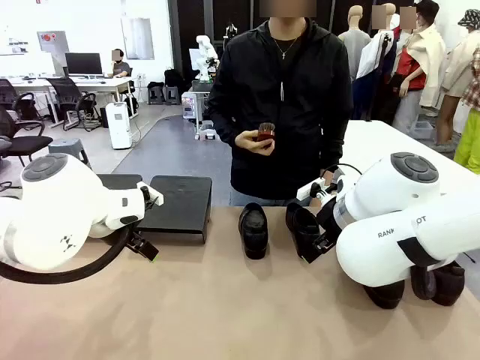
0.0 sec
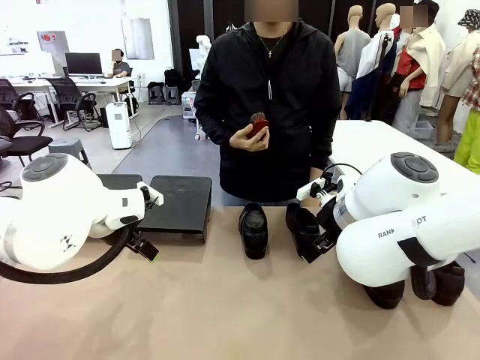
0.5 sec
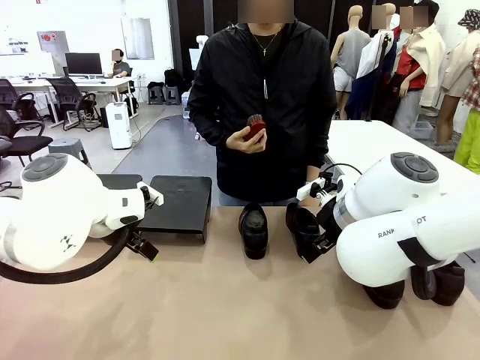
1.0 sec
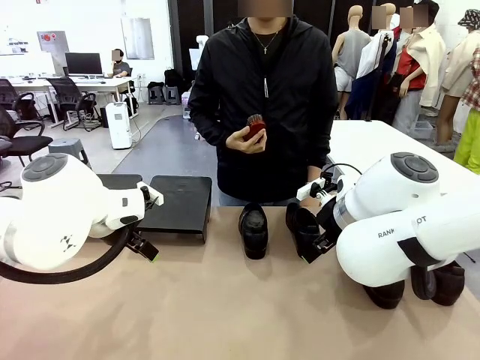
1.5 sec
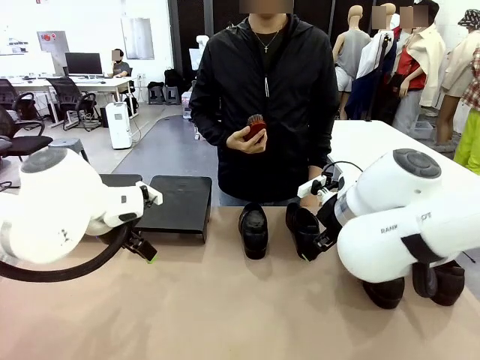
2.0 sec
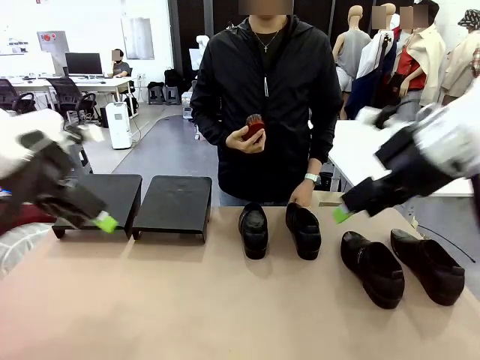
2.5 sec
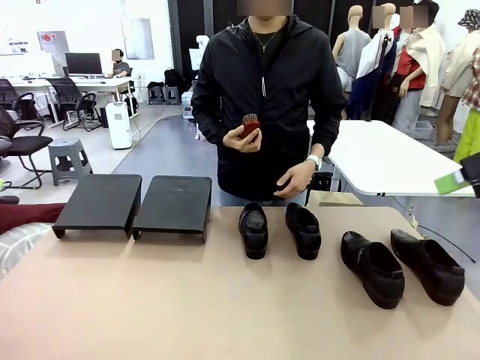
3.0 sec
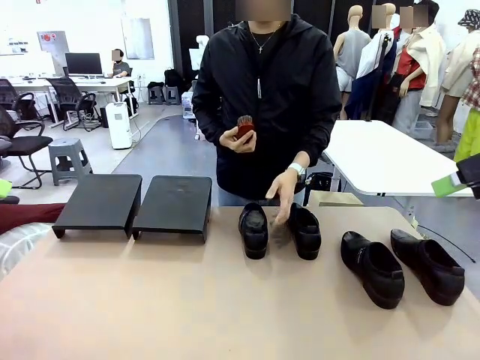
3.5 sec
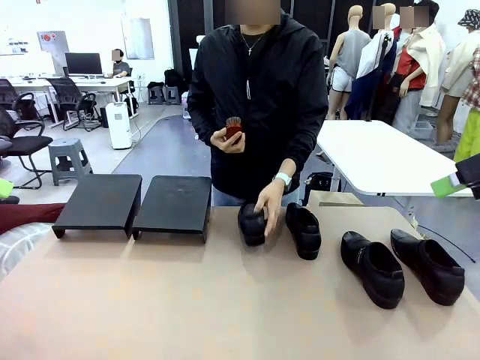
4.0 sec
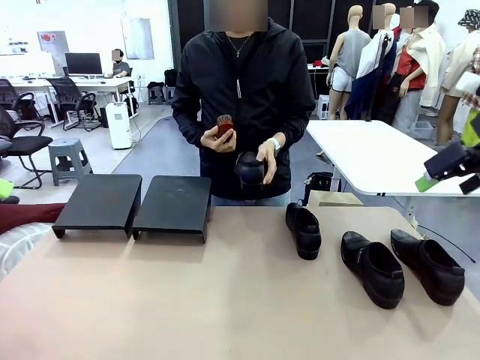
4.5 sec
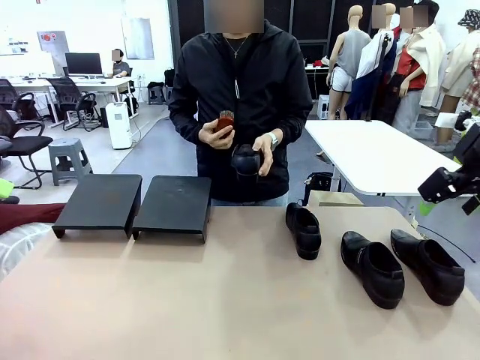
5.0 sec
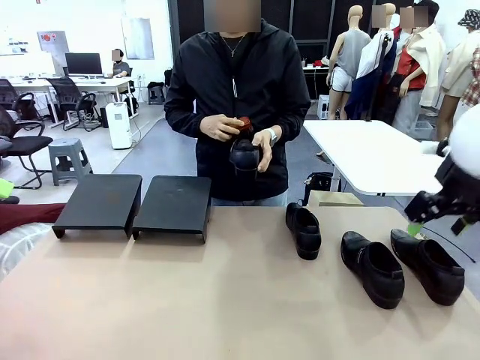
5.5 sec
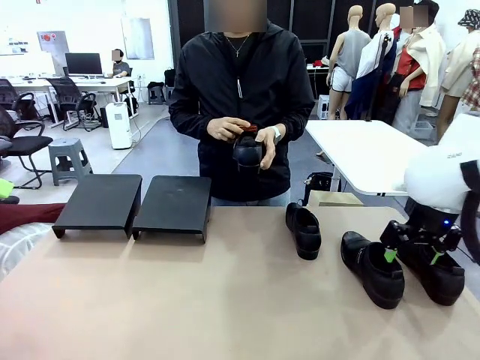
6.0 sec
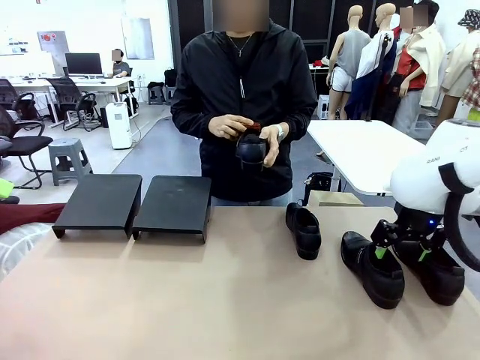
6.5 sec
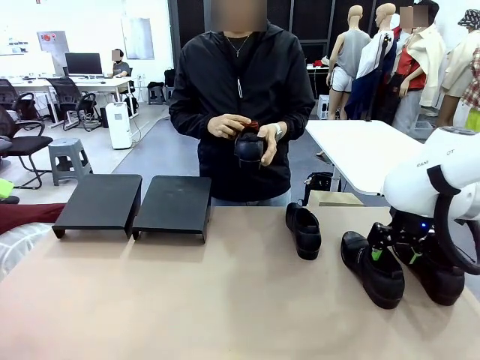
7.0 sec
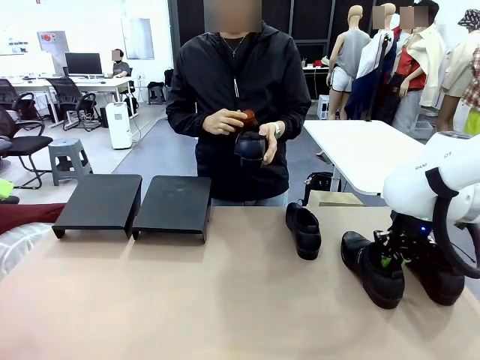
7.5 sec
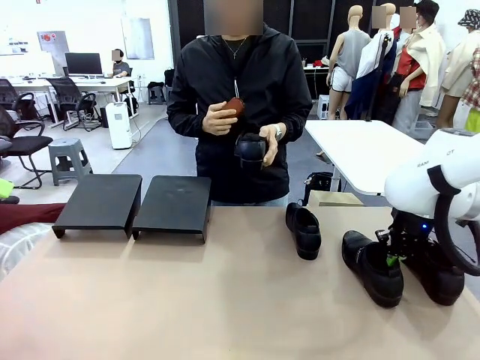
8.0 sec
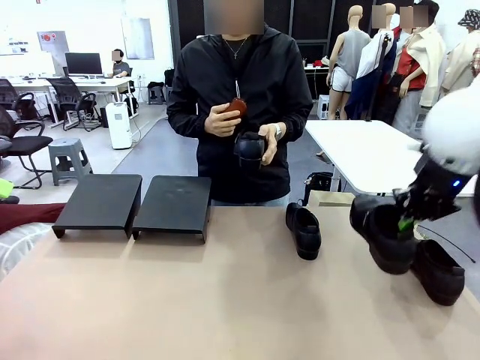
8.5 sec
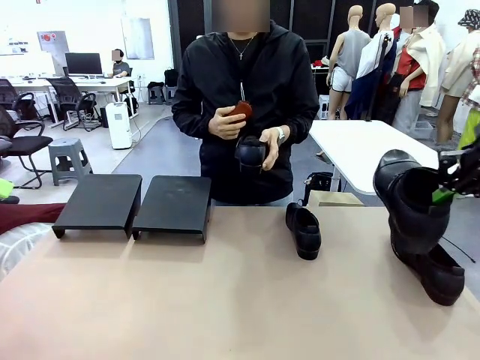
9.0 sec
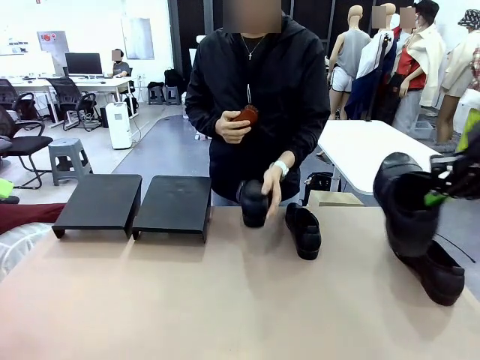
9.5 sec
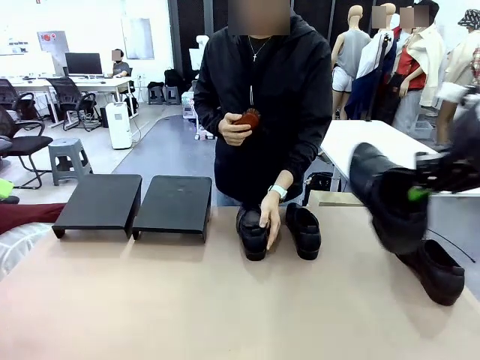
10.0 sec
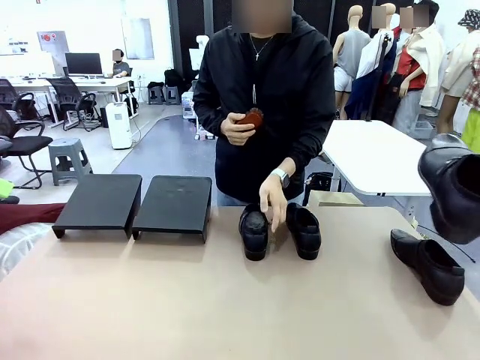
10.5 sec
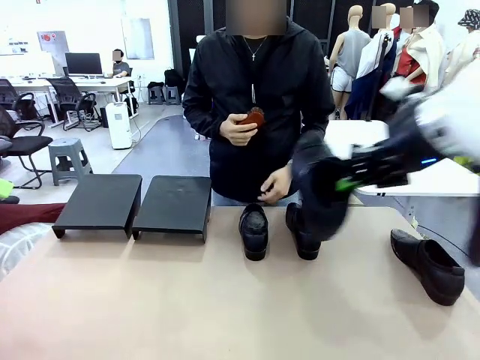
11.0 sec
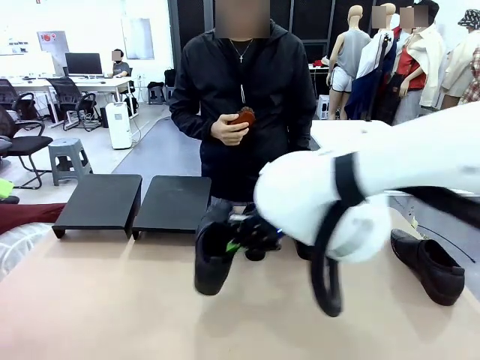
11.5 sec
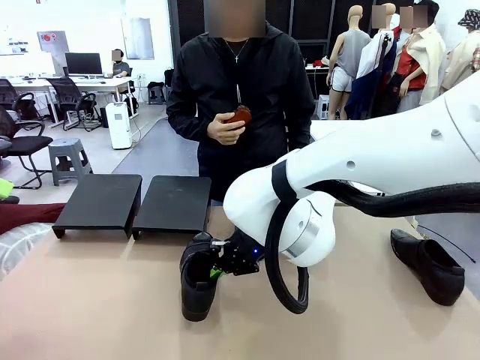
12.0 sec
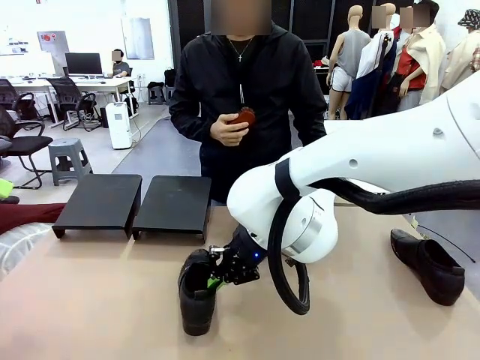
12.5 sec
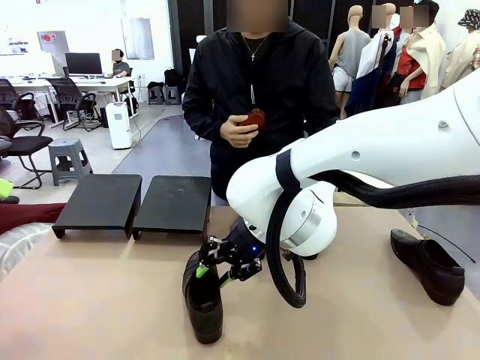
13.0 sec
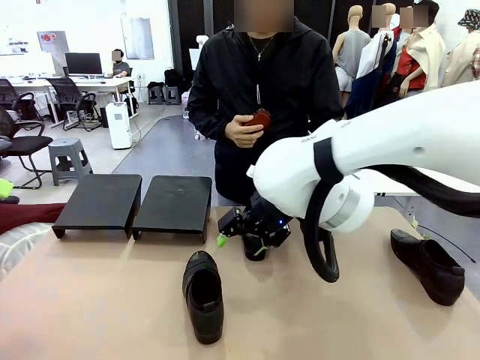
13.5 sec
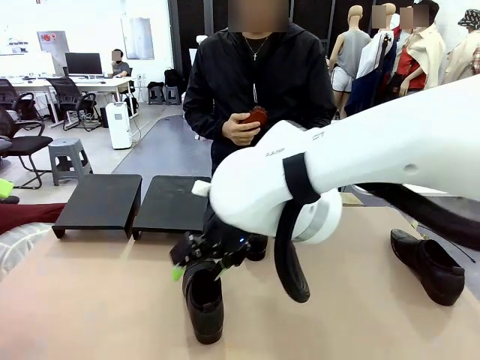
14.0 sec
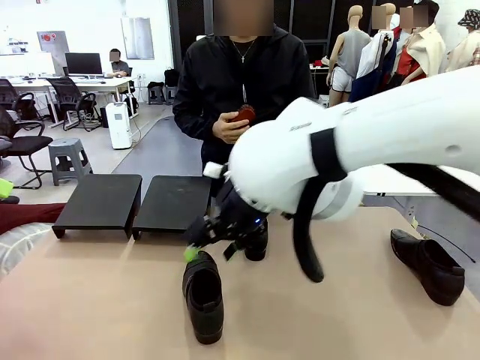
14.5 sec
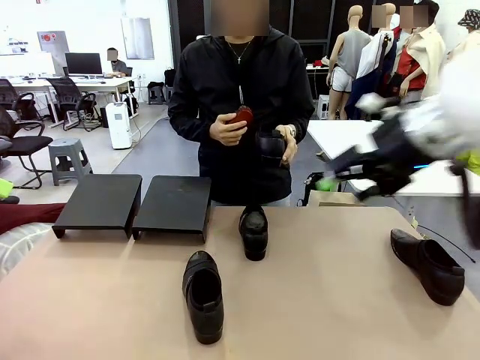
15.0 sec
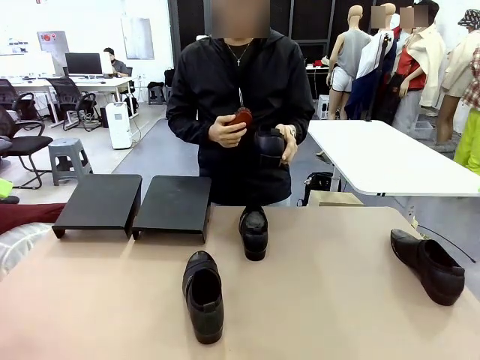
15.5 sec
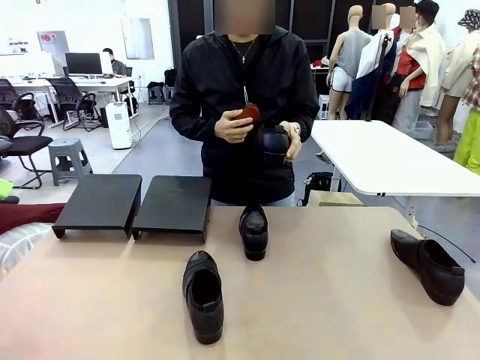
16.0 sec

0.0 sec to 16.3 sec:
Task: Organize the shoes by placing them on the stand.
Robot: Pick up one Shoe and place it in the middle of the table.
Person: Pick one Shoe on Robot's table. Clean the Shoe with the Shoe Brush. Place the Shoe on left side of the Robot's table. Pick one Shoe on Robot's table.

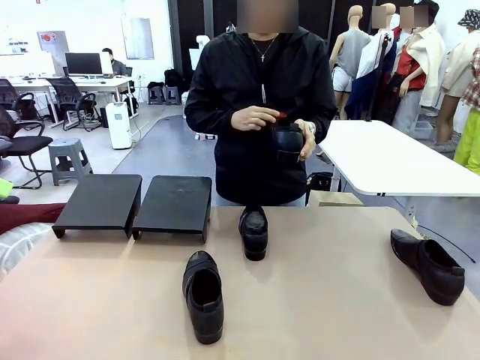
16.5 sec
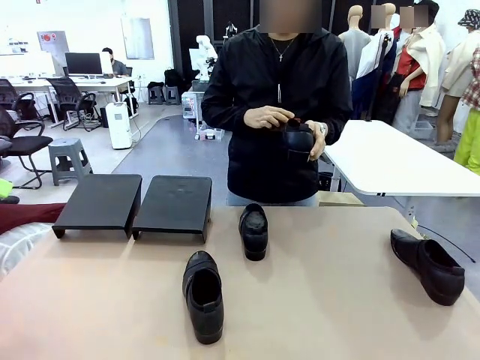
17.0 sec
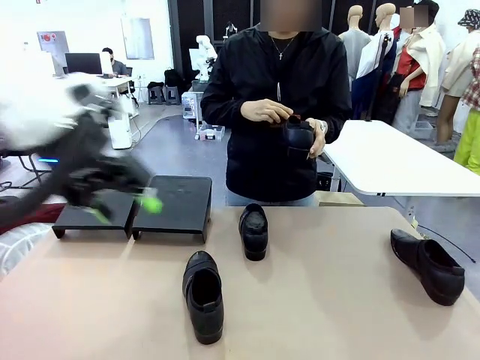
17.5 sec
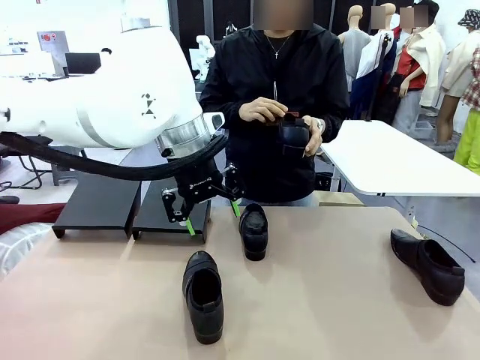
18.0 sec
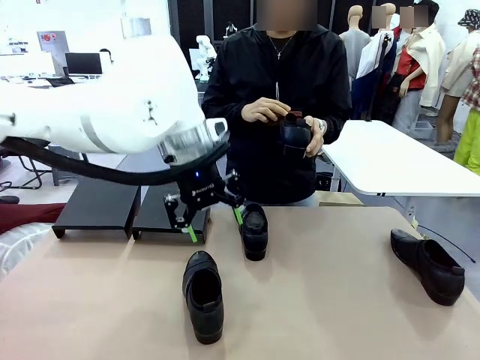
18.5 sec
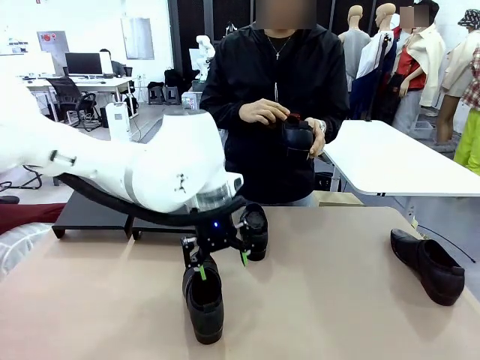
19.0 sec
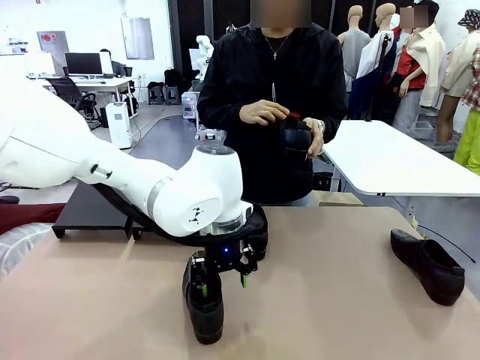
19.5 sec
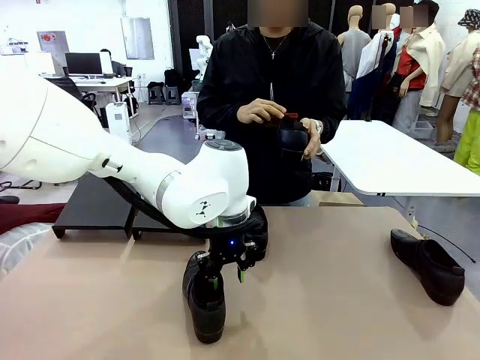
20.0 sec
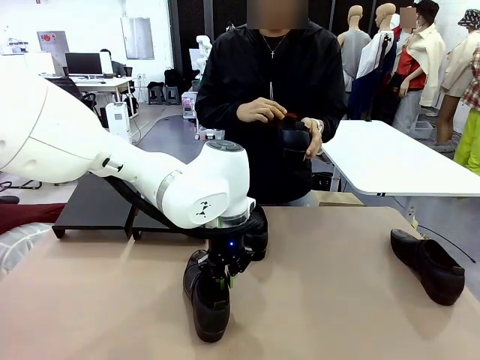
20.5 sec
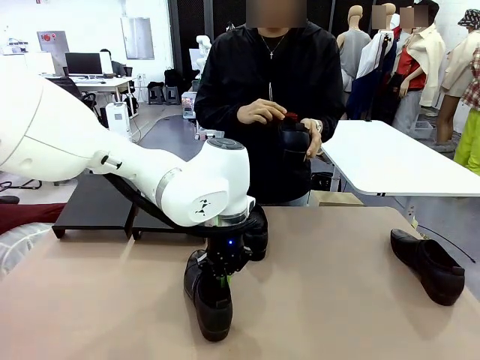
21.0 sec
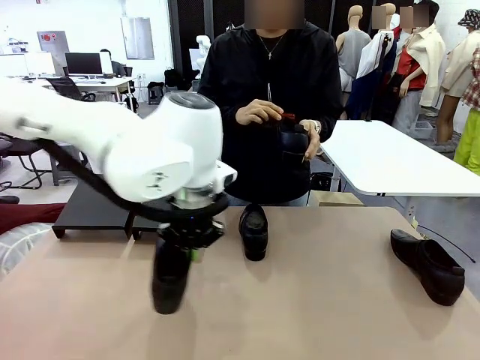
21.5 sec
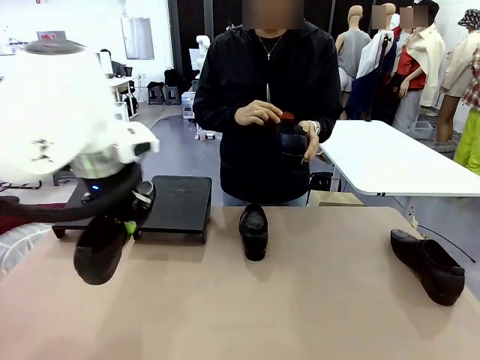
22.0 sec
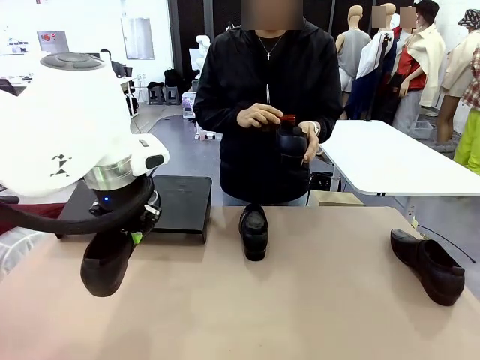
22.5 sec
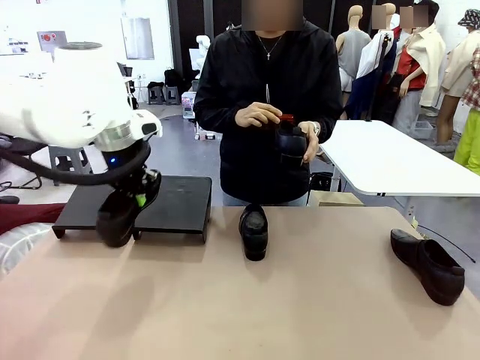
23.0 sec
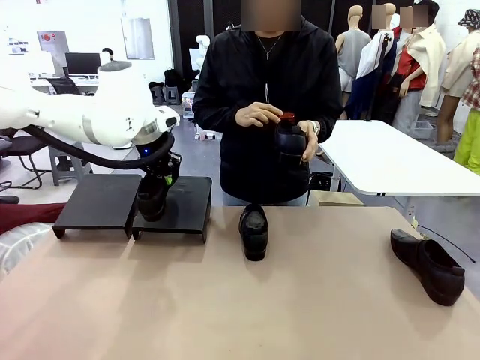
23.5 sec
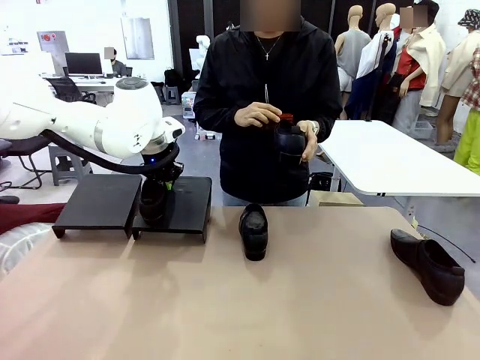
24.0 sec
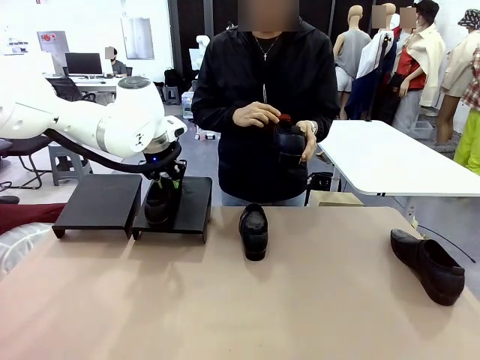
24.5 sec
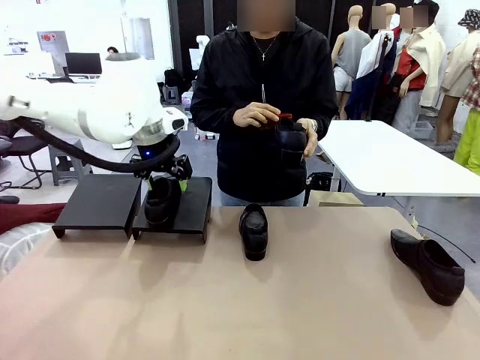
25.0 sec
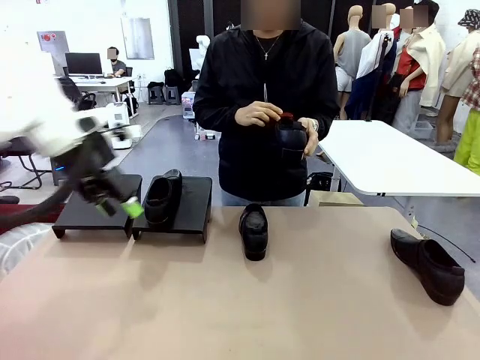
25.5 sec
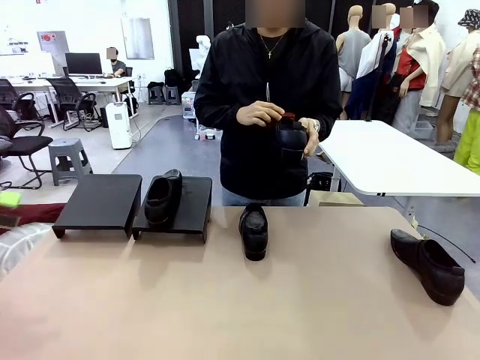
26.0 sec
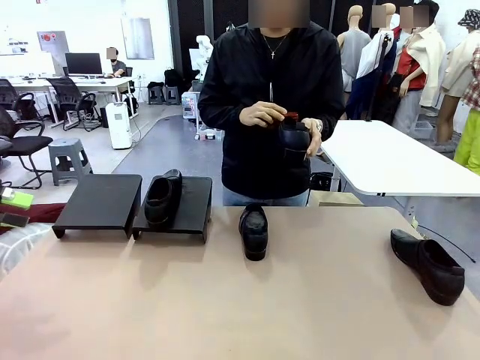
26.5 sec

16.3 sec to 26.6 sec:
Robot: Place the Shoe from the middle of the table onto the Shoes Stand.
Person: Clean the Shoe with the Shoe Brush.
